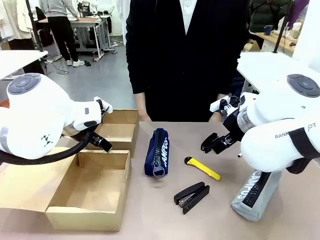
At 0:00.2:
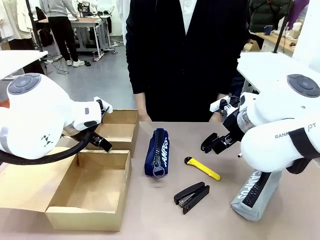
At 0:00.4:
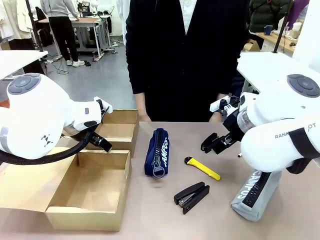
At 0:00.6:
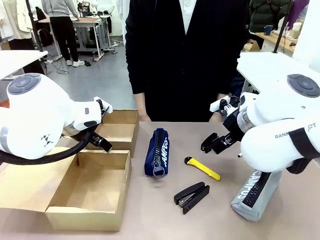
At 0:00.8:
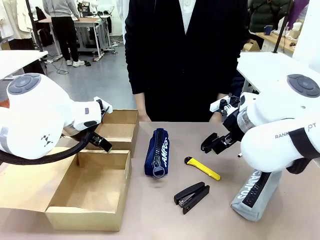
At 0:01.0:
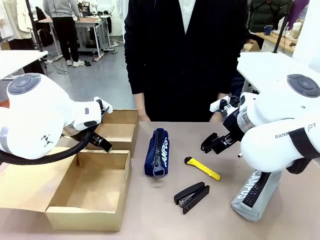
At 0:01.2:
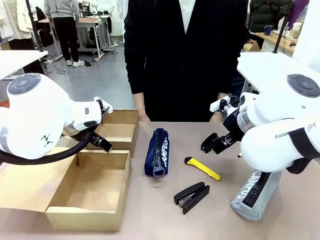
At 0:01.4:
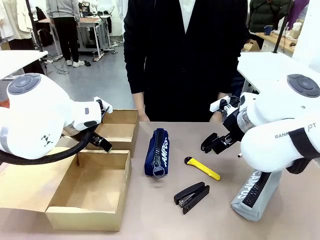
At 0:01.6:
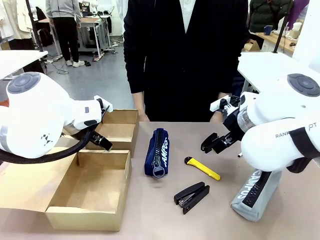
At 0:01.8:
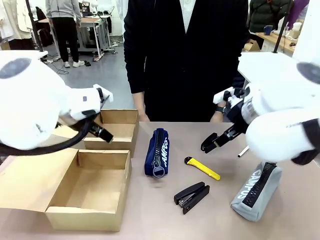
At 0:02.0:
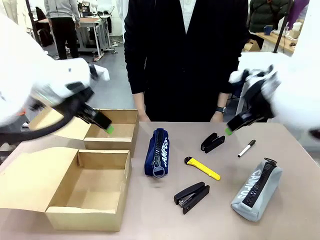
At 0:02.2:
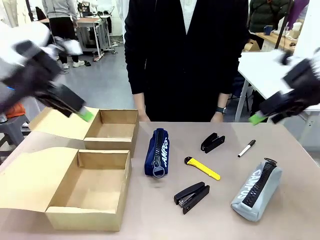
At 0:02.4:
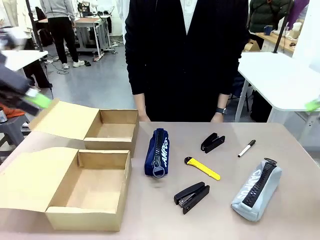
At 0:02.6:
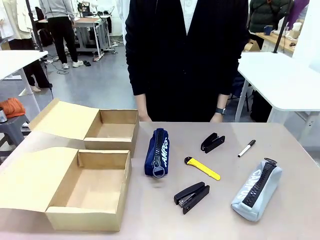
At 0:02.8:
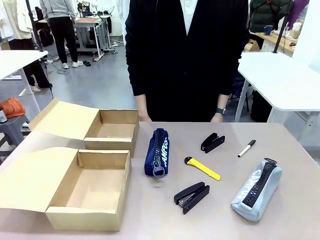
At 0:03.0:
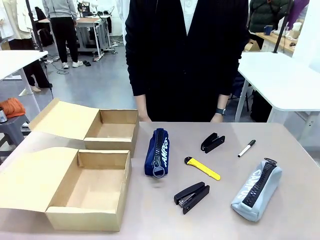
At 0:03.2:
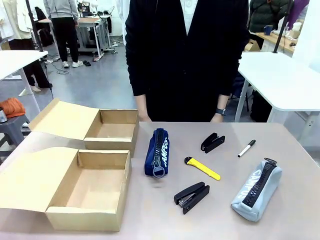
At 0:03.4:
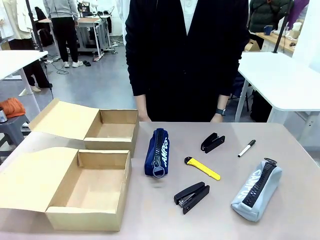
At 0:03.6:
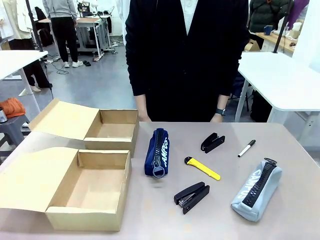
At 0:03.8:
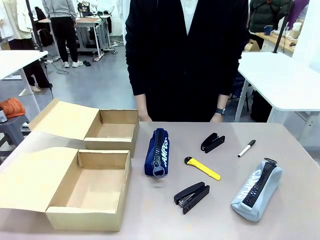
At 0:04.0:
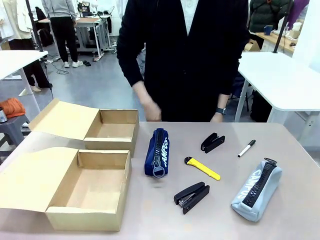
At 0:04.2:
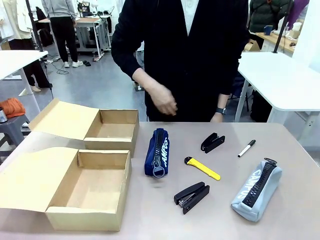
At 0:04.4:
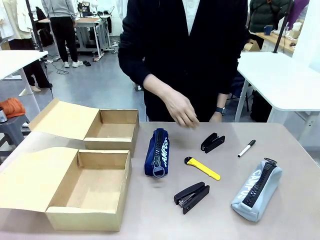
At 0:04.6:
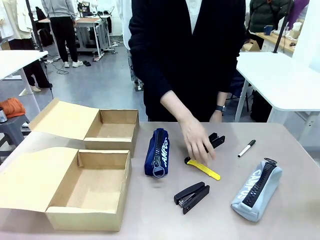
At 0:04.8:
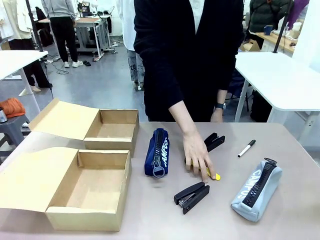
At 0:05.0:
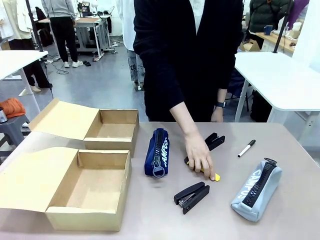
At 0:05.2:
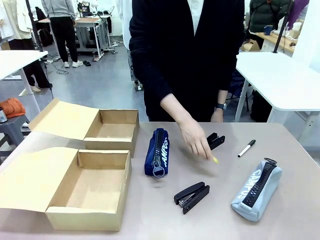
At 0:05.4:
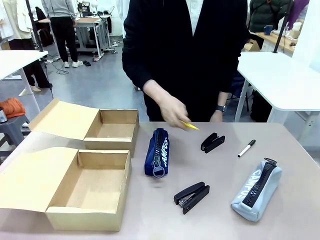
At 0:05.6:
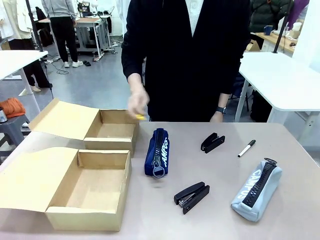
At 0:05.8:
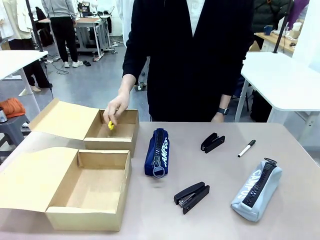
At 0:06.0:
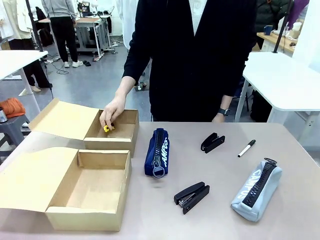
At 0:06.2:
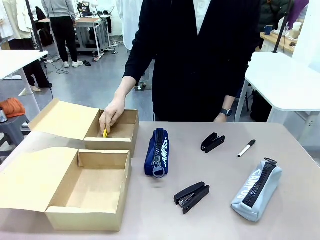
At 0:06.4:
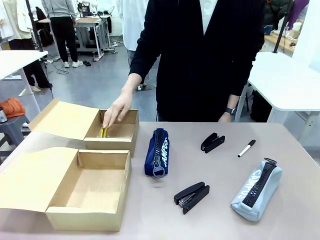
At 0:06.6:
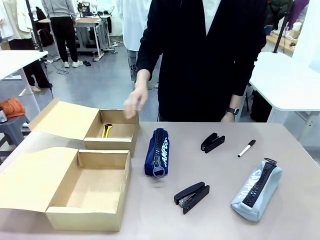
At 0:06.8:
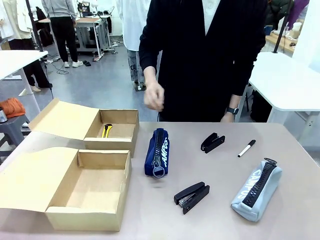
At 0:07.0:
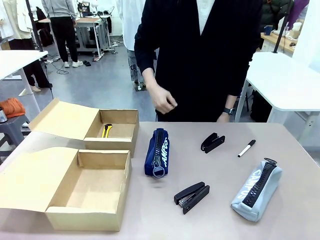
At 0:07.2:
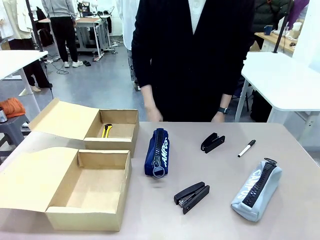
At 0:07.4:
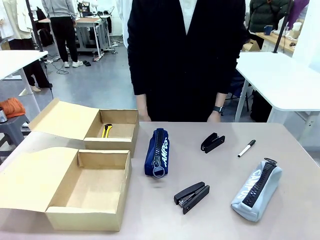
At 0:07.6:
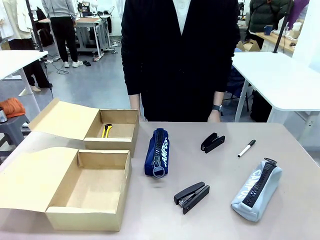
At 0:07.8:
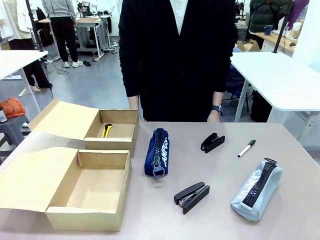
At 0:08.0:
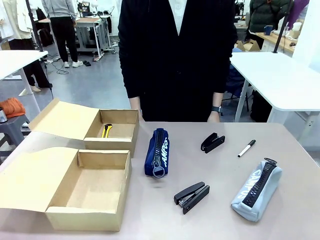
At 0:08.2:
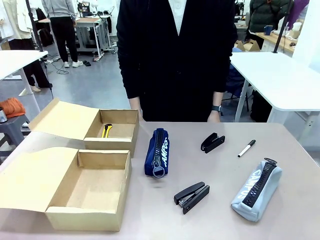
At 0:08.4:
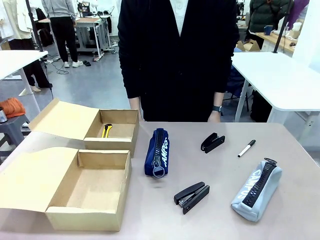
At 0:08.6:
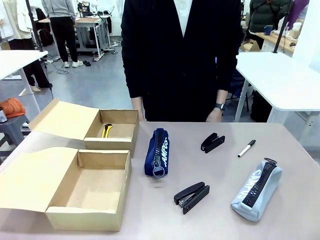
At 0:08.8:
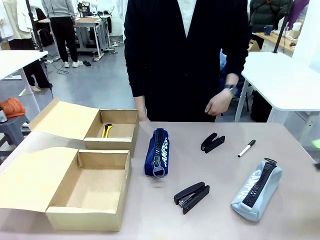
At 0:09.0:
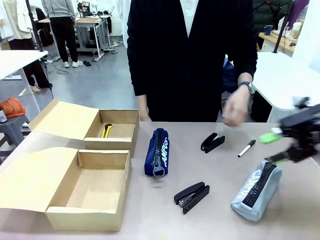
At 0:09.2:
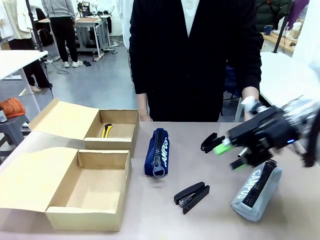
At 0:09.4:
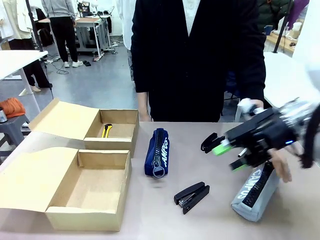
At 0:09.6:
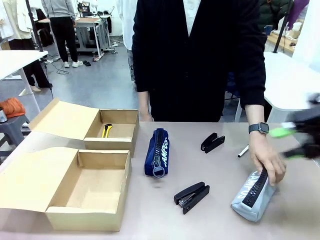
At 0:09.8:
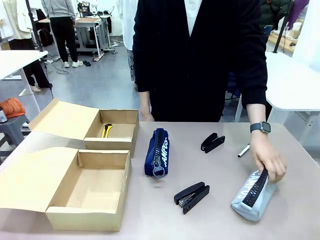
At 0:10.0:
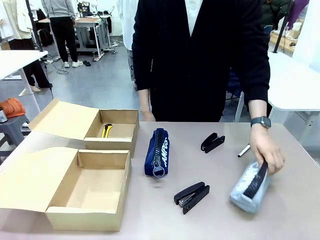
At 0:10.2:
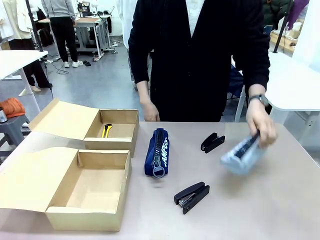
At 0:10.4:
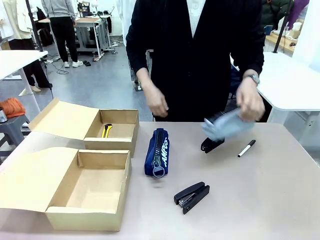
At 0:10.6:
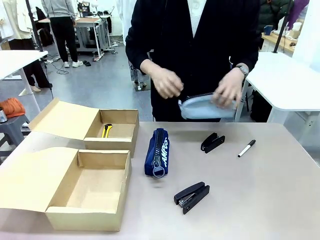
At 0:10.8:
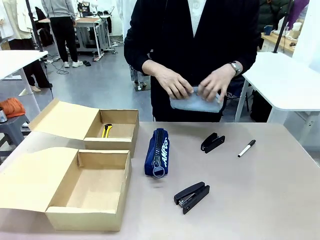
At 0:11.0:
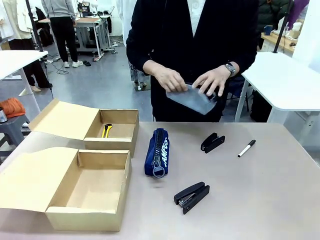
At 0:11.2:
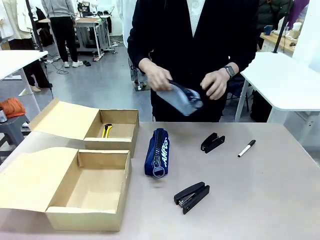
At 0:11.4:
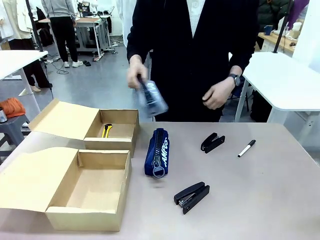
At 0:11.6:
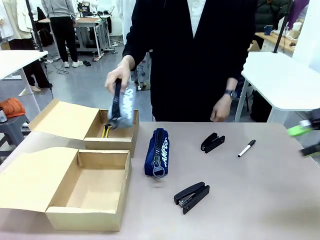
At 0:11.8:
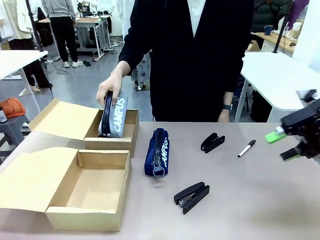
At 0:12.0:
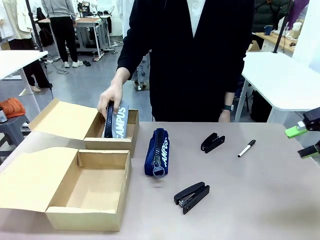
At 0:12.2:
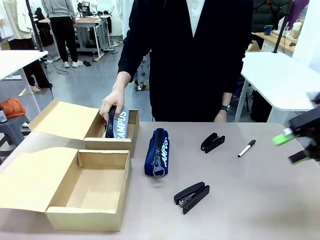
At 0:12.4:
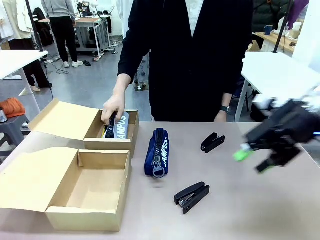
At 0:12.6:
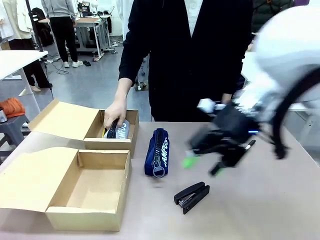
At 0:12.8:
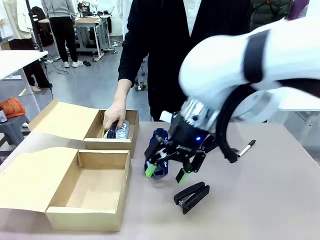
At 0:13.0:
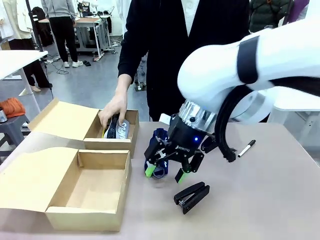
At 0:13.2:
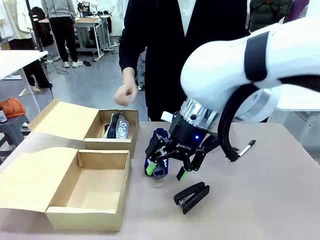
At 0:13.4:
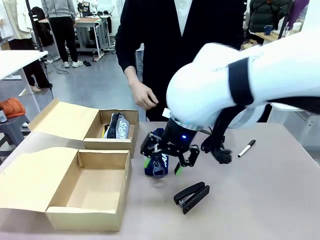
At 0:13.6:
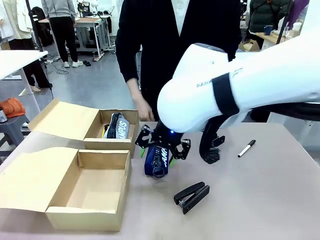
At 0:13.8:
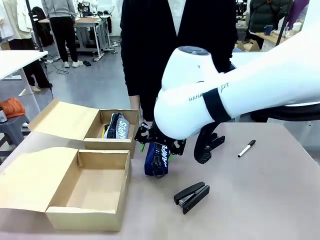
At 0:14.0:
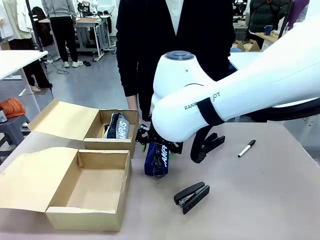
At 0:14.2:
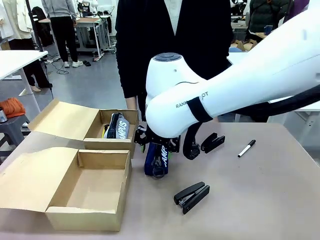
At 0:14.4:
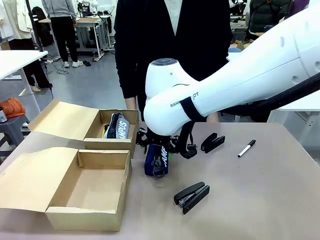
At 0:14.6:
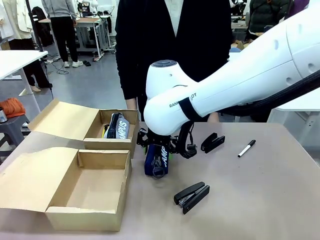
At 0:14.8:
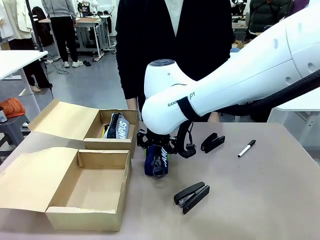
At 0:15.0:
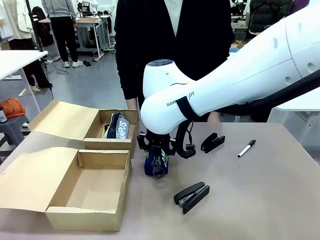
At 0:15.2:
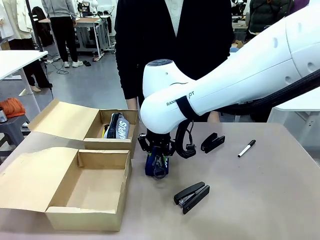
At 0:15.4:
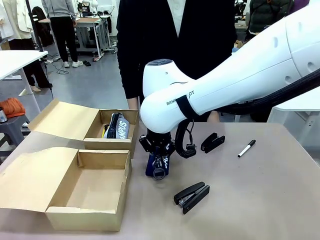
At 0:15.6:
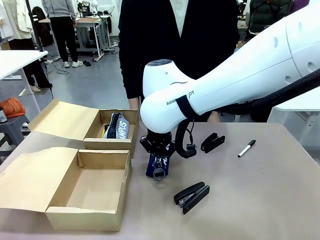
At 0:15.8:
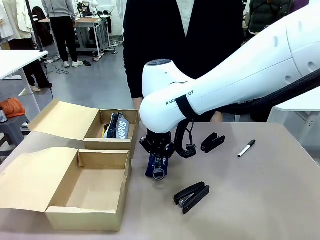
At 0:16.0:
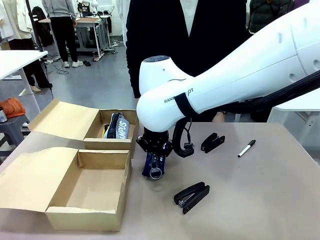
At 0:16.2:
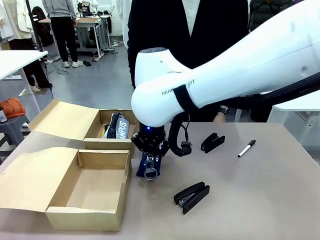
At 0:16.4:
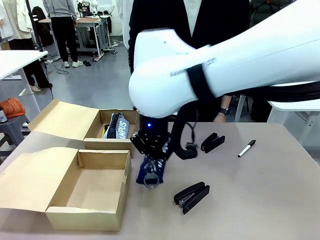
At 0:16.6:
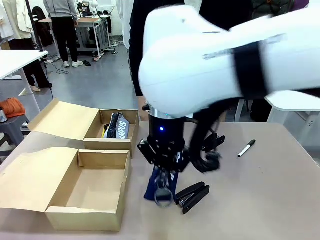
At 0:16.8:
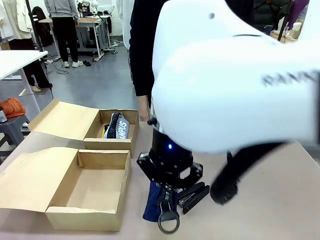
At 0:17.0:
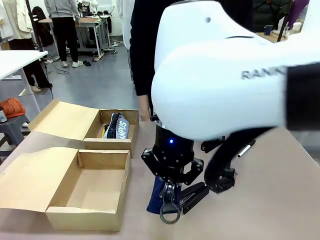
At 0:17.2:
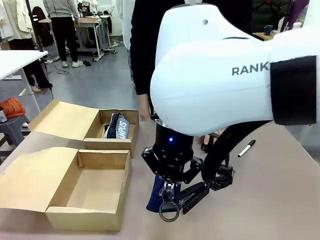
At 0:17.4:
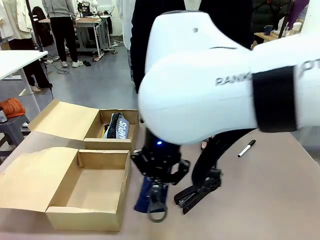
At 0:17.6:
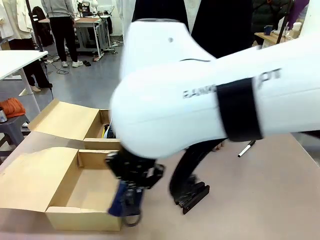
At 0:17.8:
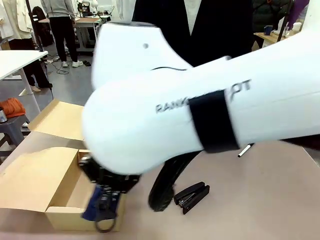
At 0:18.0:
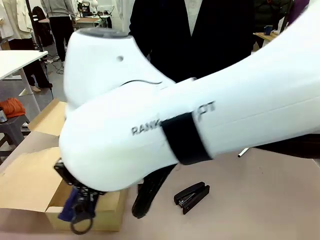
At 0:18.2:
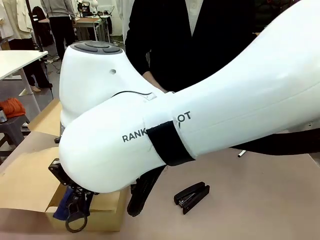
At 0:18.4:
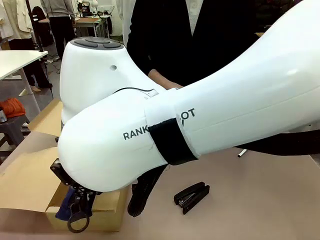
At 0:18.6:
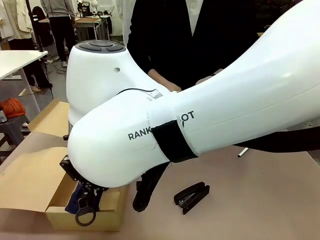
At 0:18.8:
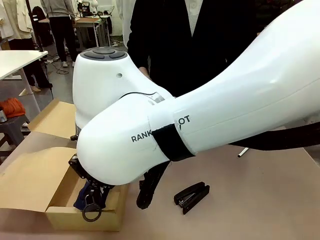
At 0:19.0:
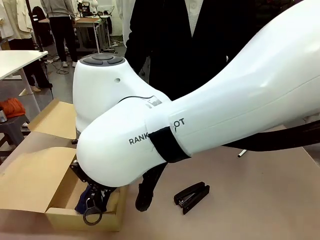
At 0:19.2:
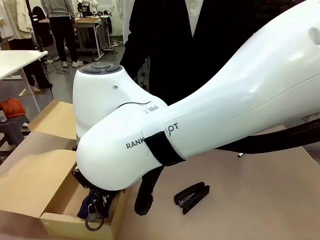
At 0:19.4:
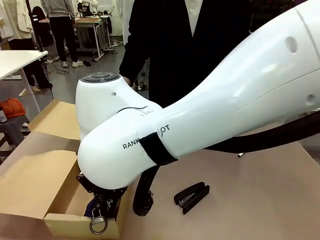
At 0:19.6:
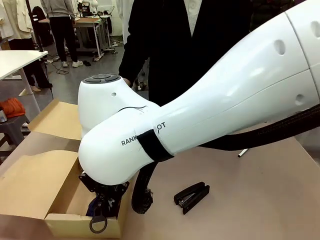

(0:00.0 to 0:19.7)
Task: Place items inside the box.
Robot: Pick up a Pencil pouch or Stapler and place it inside the Mailer Box closest to the robot.
Person: Pick up an object on the table and put it in the box.
